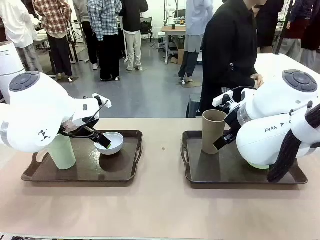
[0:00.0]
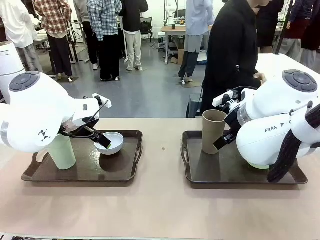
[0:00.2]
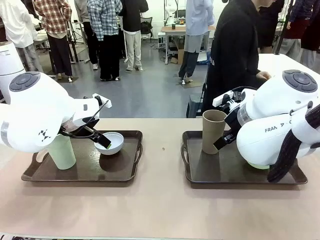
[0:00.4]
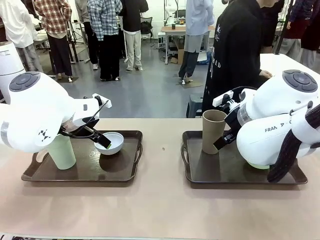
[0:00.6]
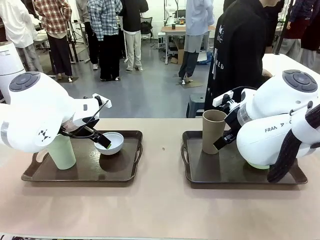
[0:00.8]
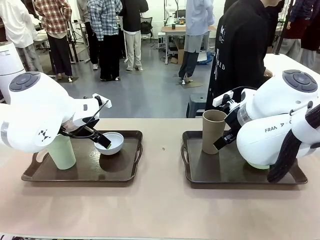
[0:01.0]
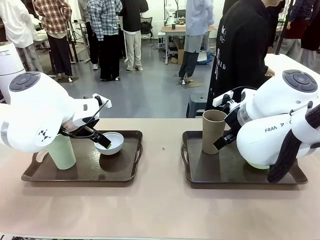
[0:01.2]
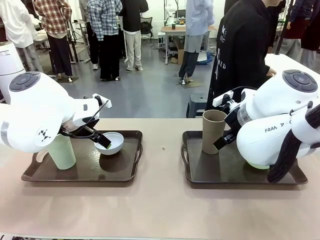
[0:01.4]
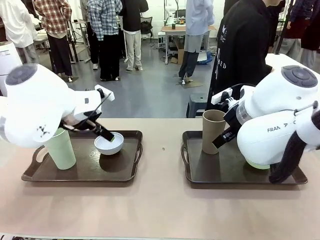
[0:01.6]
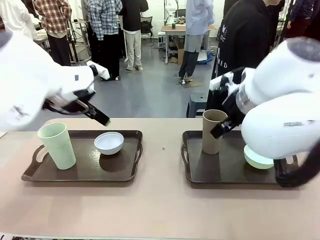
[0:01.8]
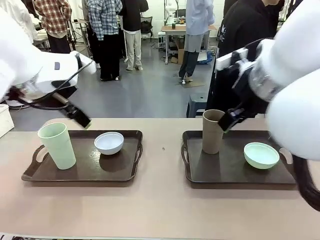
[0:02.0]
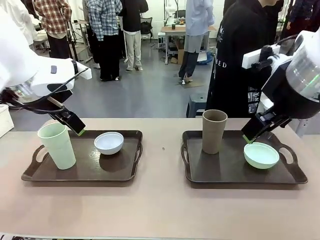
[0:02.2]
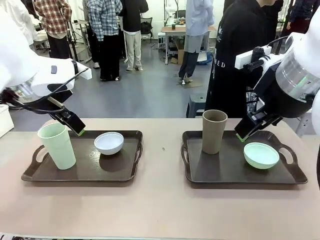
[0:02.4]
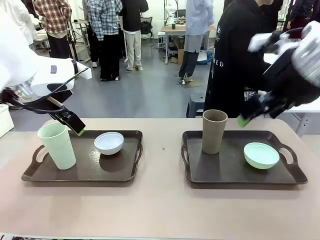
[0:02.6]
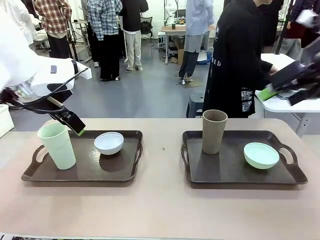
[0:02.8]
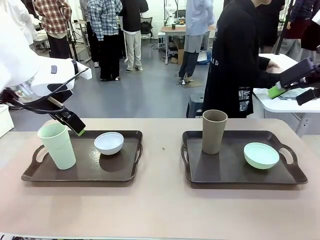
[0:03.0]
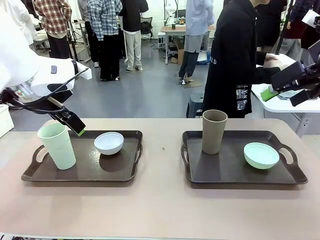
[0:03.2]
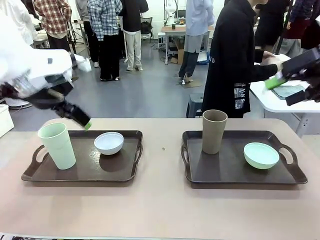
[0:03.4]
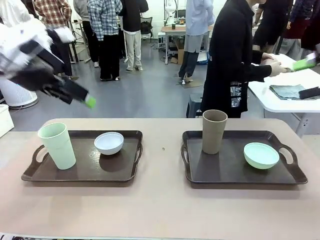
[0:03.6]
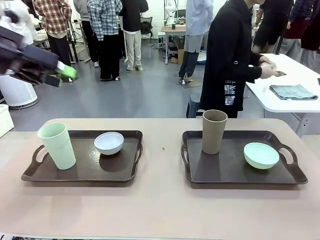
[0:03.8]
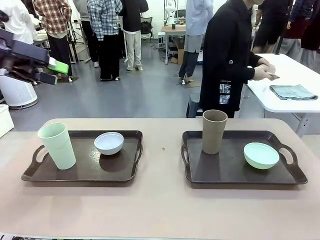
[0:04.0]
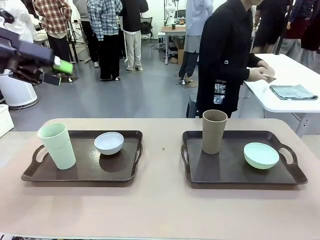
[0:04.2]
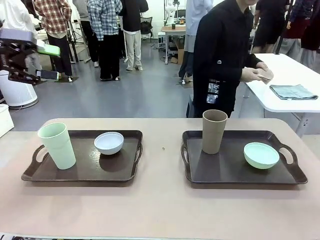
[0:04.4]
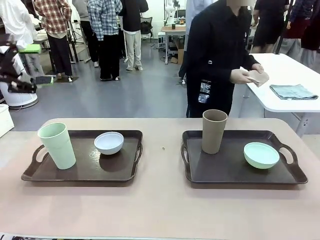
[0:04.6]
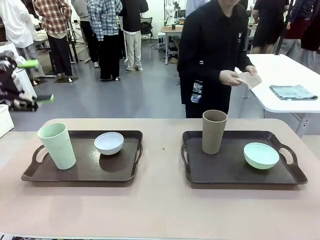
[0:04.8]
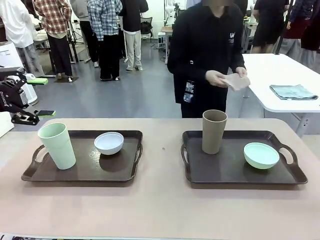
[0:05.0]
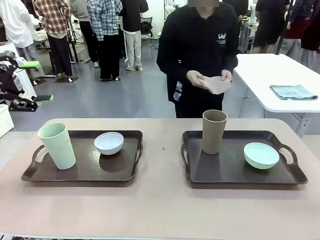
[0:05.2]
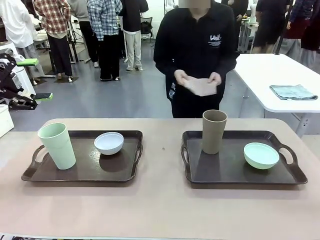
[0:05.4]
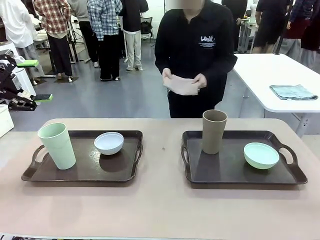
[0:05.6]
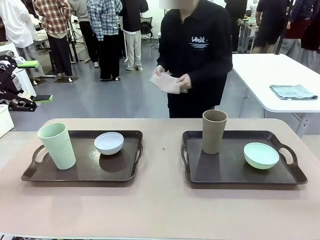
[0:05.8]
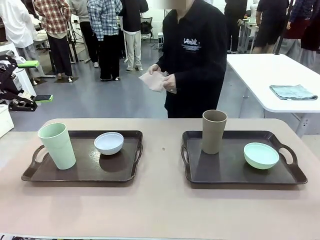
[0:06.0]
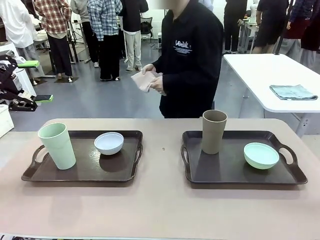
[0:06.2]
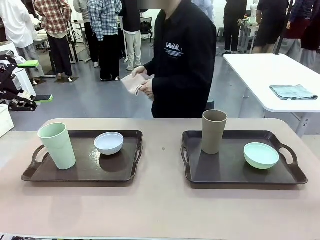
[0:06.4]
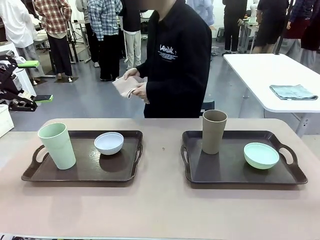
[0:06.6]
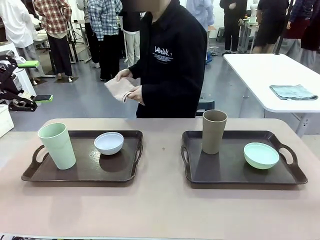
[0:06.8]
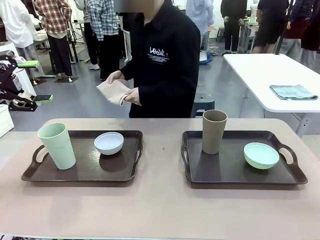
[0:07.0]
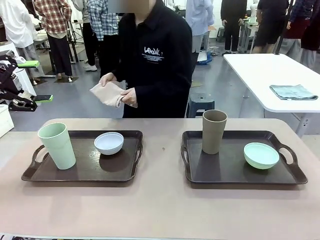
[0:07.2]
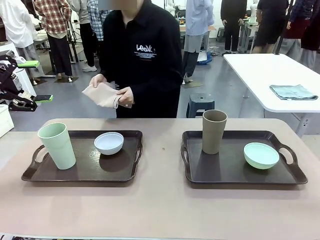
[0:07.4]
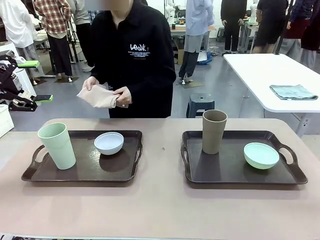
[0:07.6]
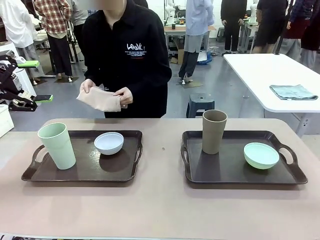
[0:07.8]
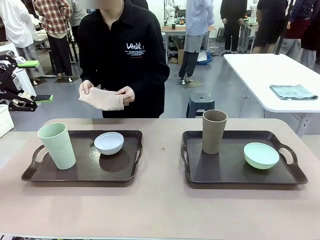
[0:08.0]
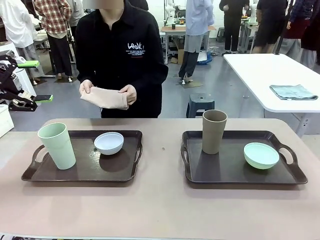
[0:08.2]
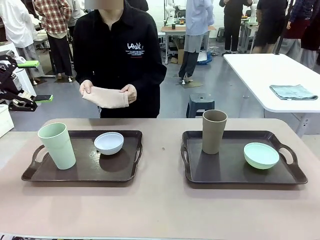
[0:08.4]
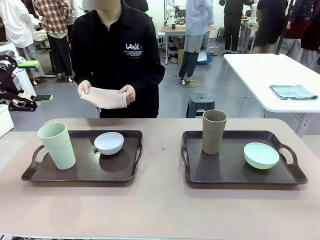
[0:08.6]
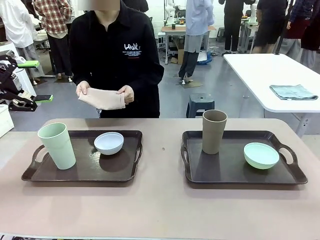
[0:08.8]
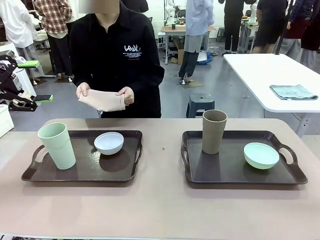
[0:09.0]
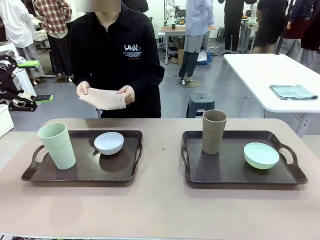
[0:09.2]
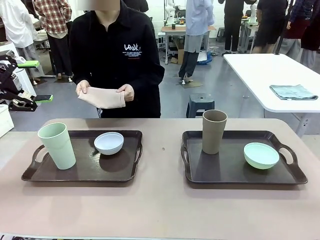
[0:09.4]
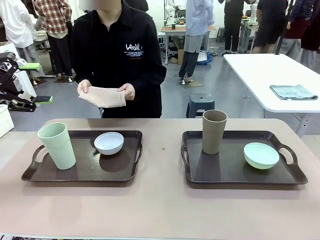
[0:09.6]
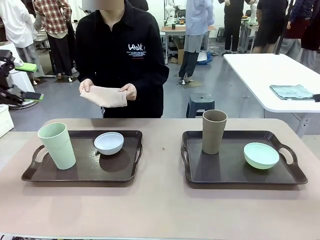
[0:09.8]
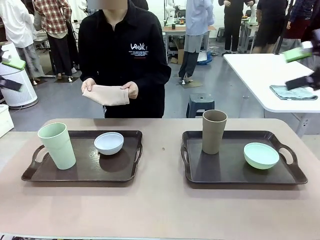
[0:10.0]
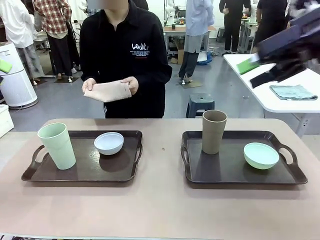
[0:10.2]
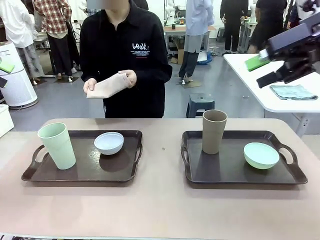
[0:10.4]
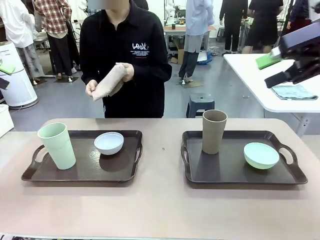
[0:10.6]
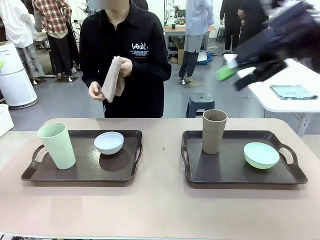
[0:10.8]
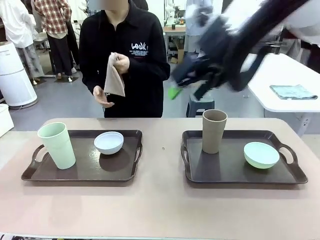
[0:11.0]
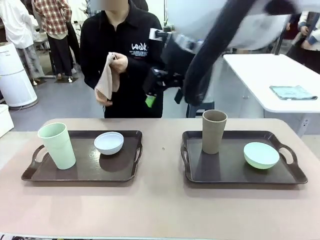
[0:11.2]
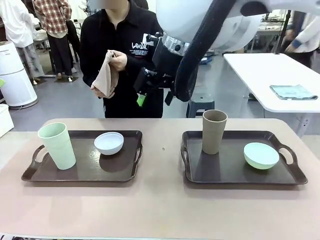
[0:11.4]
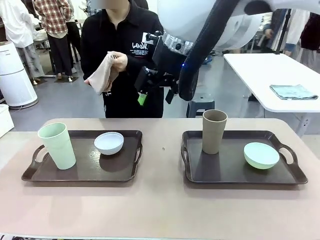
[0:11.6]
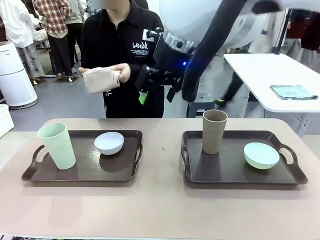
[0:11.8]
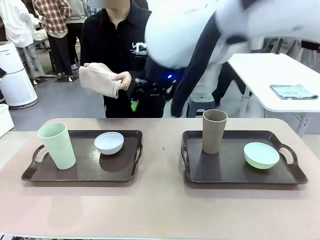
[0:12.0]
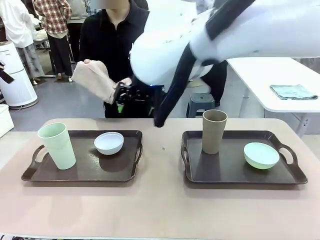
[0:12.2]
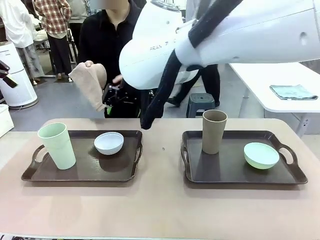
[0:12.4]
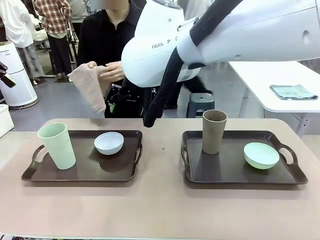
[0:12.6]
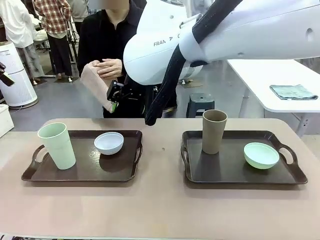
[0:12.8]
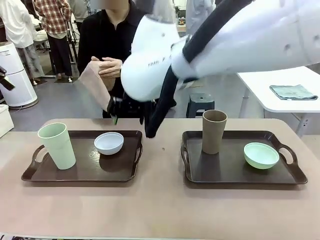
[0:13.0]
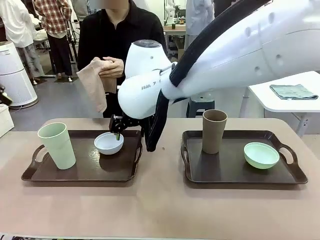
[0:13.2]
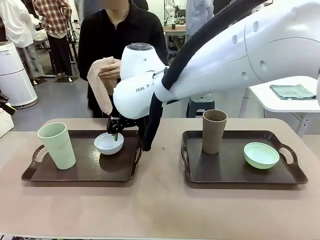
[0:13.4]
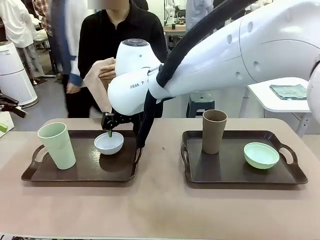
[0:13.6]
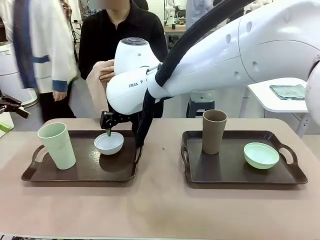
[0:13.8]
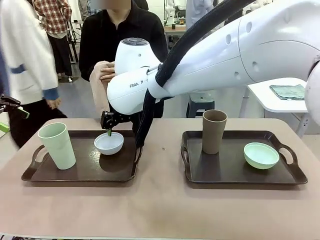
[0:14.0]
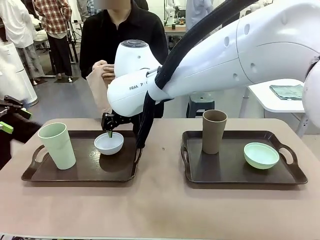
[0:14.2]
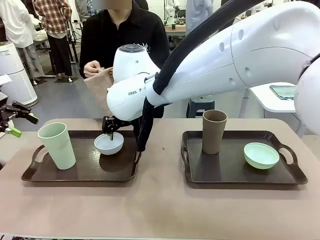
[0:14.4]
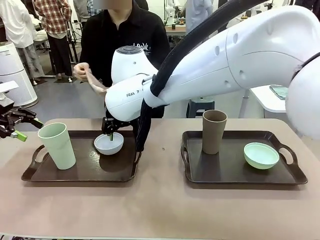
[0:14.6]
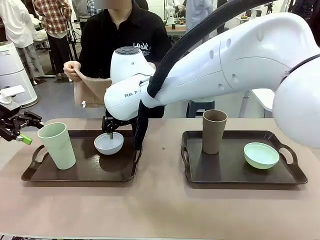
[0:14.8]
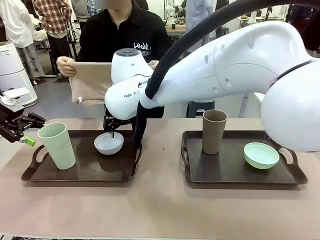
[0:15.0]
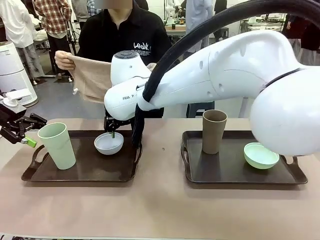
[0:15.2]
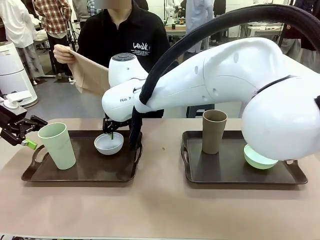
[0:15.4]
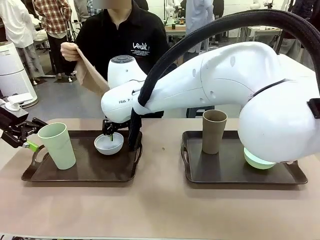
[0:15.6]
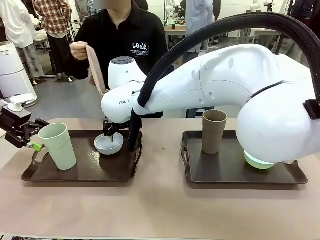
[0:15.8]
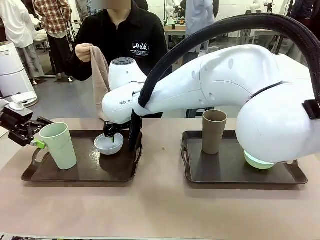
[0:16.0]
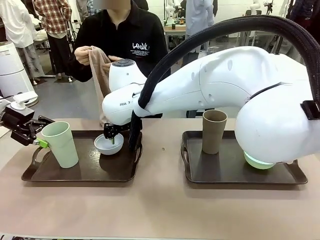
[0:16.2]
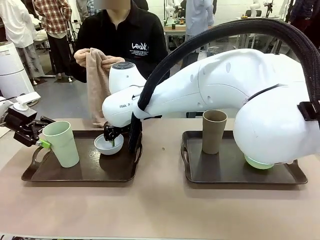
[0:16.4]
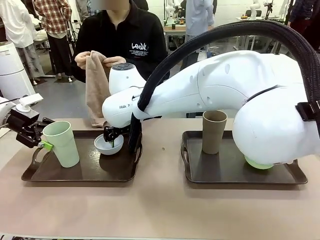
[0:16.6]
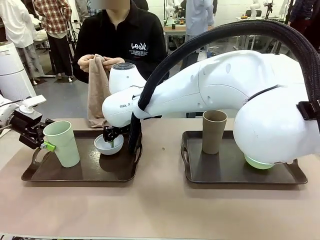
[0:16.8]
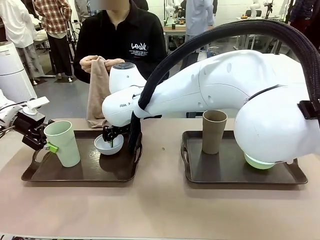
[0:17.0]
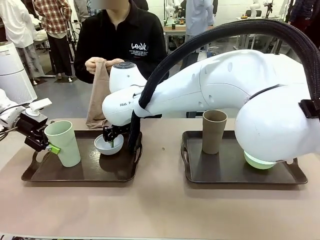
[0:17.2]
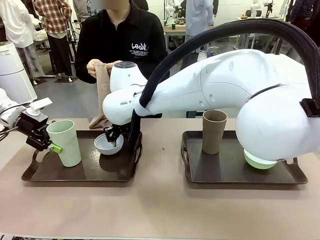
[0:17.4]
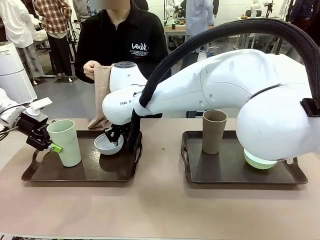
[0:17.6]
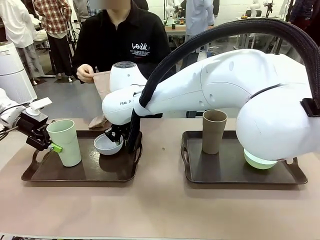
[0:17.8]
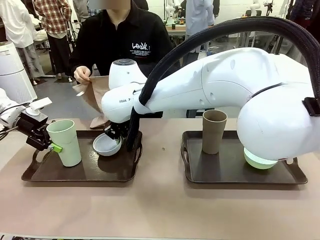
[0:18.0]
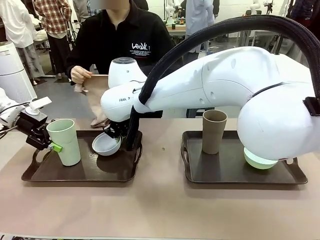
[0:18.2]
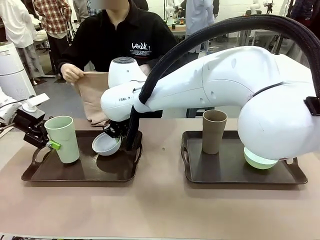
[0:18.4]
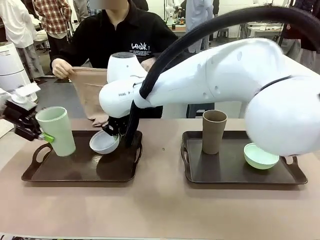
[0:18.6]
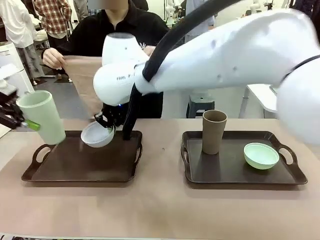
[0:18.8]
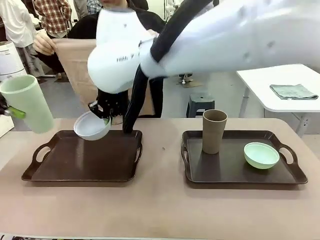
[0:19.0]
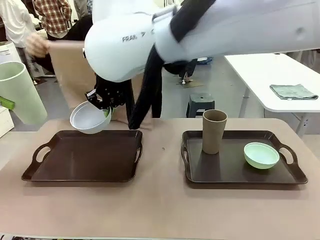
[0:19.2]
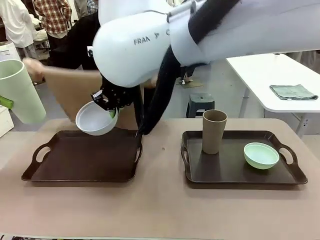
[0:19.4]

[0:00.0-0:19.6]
Robot: Pick up the Picnic Bowl and Reusable plastic cup from the Handle tray in front of the human's position and hold them in the air.
Person: The human picks up the top napkin from the stack on the human table and walks to the robot table to stand in front of one of the two trays. When the robot lifts the bowl and the cup, the human unfolds the napkin and lays the napkin flat on the tray.
